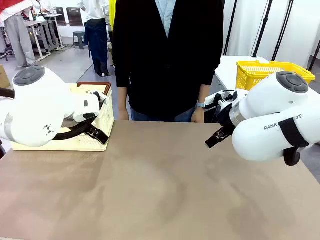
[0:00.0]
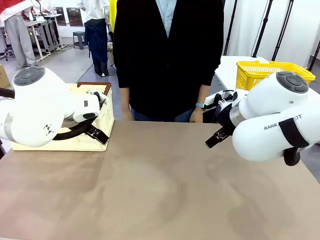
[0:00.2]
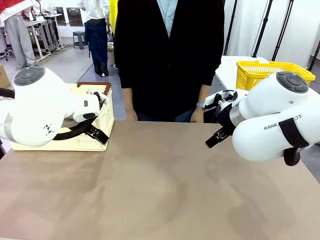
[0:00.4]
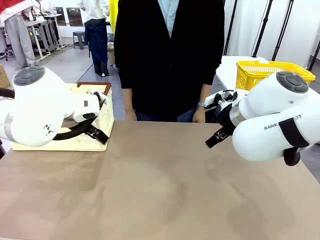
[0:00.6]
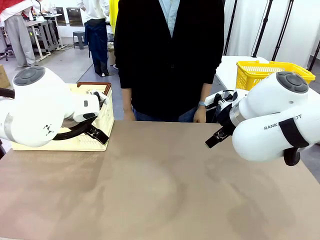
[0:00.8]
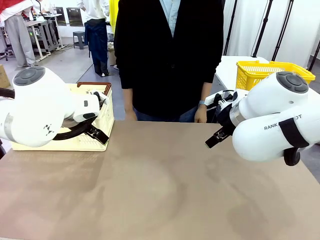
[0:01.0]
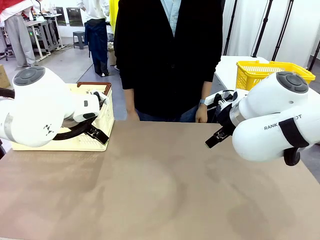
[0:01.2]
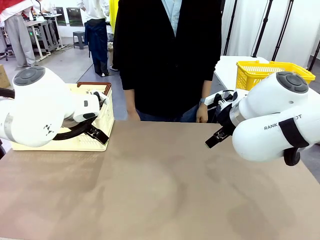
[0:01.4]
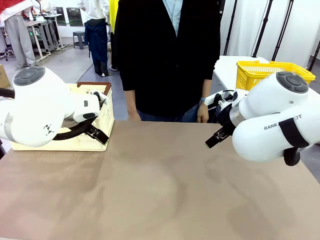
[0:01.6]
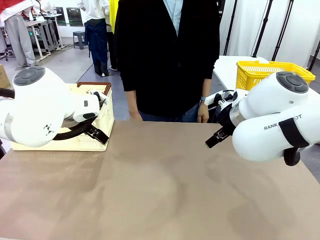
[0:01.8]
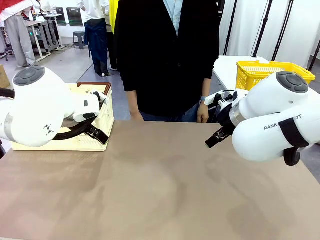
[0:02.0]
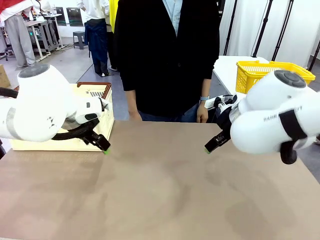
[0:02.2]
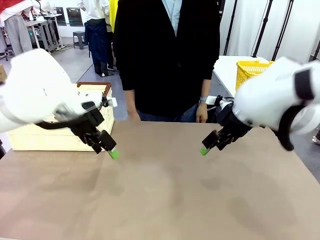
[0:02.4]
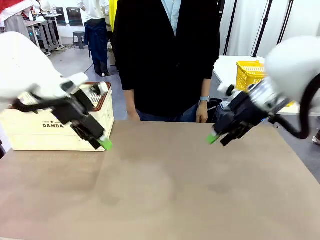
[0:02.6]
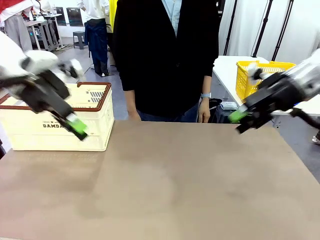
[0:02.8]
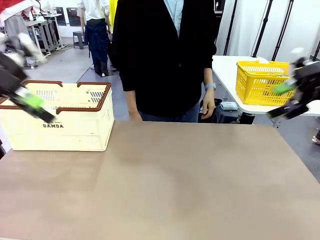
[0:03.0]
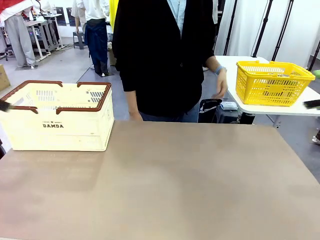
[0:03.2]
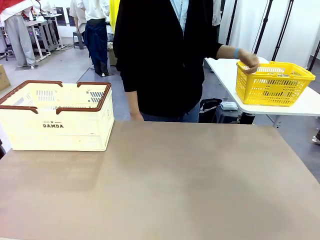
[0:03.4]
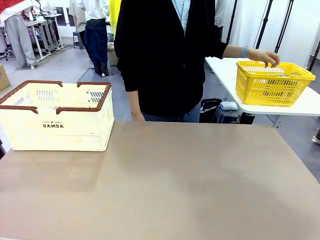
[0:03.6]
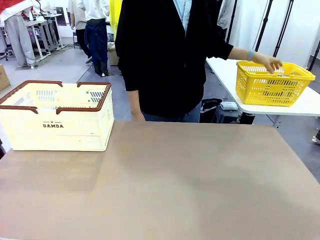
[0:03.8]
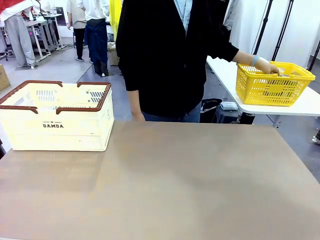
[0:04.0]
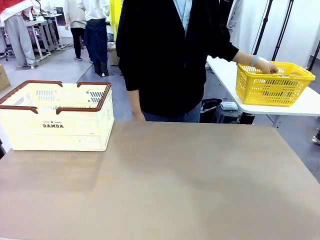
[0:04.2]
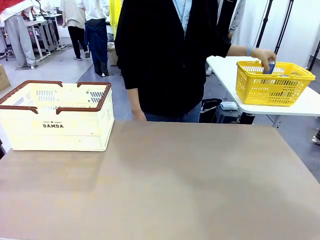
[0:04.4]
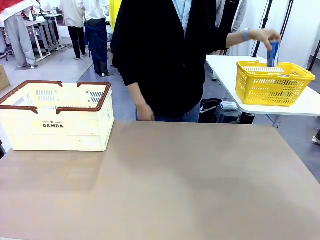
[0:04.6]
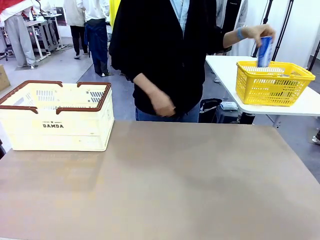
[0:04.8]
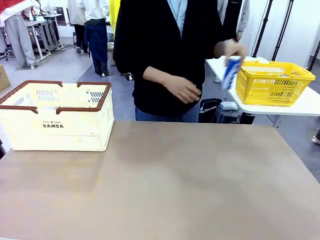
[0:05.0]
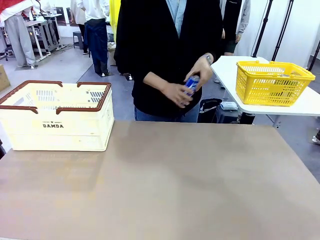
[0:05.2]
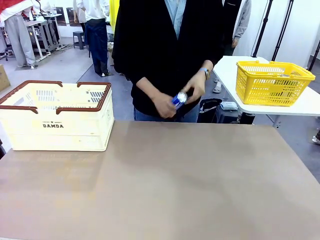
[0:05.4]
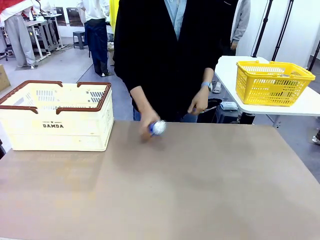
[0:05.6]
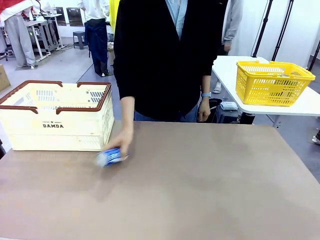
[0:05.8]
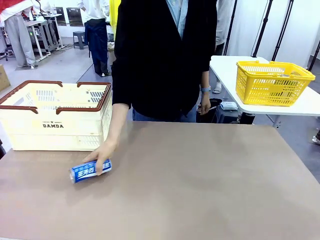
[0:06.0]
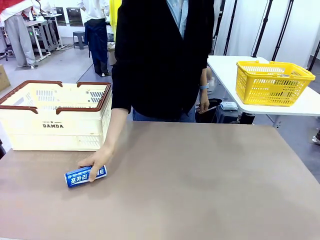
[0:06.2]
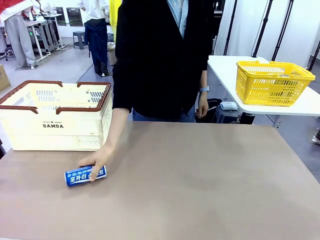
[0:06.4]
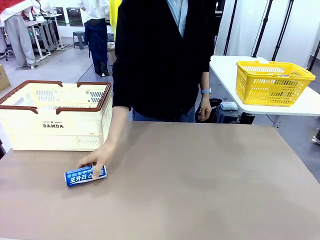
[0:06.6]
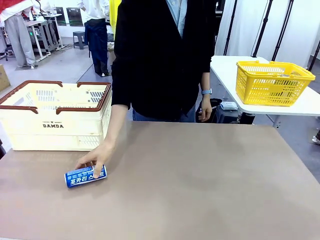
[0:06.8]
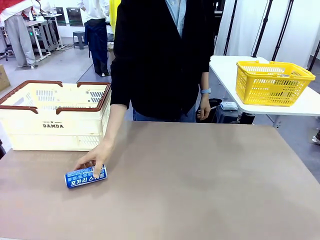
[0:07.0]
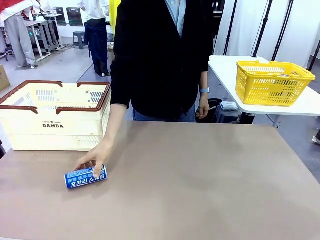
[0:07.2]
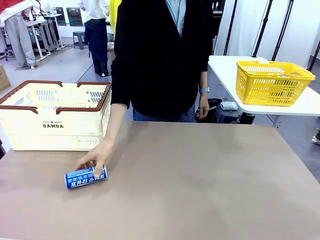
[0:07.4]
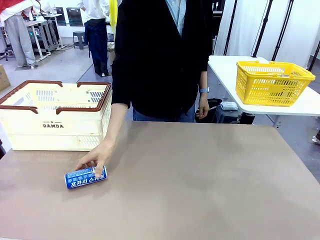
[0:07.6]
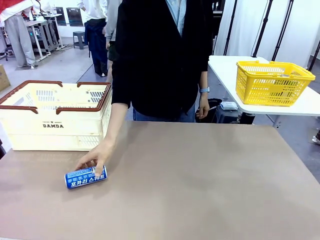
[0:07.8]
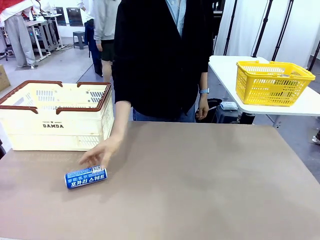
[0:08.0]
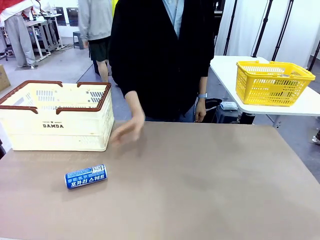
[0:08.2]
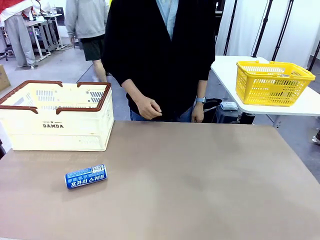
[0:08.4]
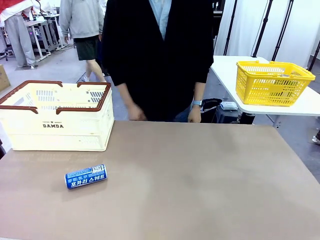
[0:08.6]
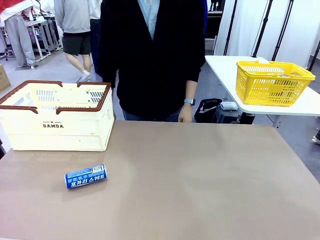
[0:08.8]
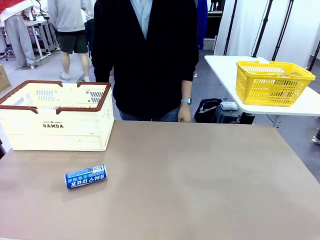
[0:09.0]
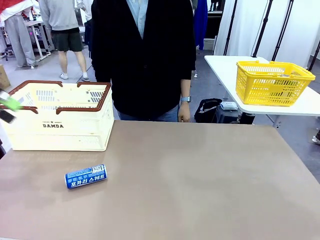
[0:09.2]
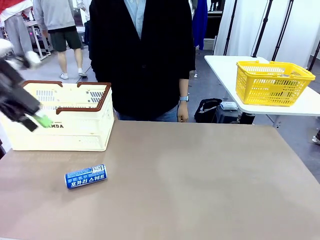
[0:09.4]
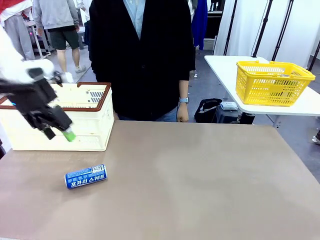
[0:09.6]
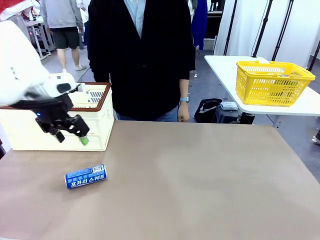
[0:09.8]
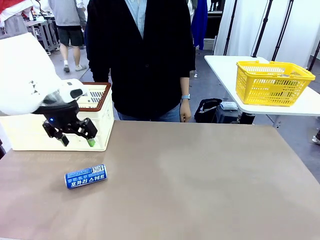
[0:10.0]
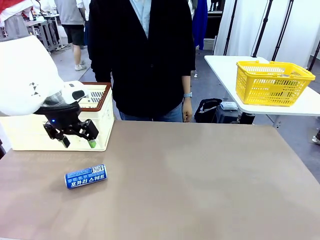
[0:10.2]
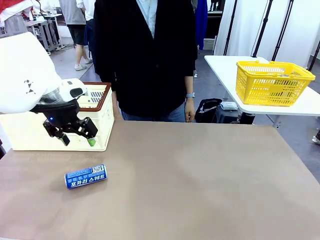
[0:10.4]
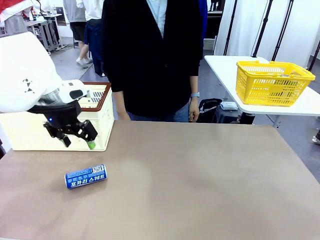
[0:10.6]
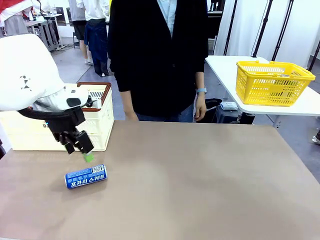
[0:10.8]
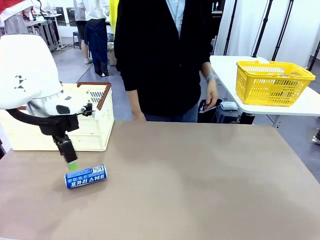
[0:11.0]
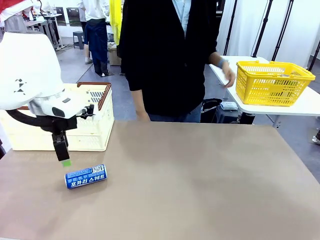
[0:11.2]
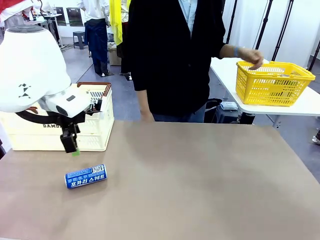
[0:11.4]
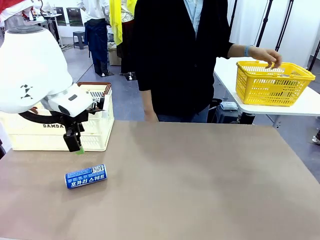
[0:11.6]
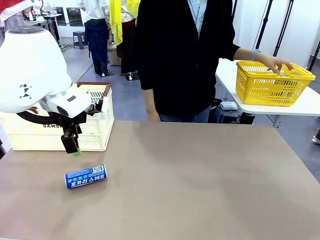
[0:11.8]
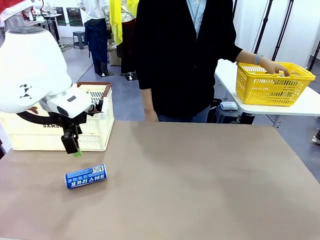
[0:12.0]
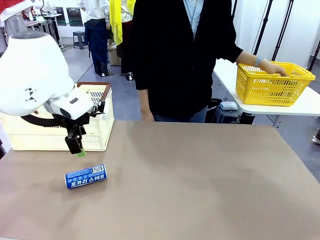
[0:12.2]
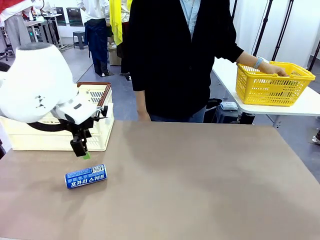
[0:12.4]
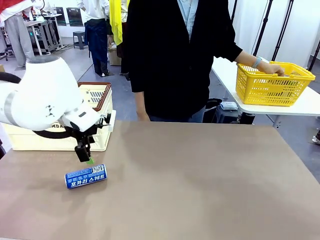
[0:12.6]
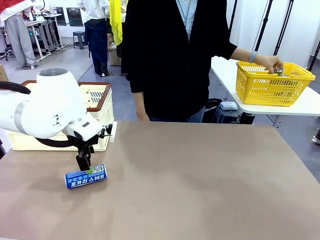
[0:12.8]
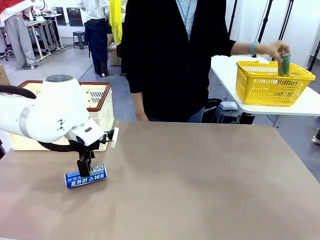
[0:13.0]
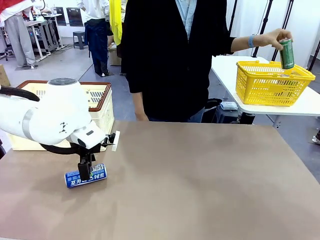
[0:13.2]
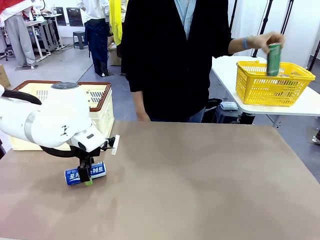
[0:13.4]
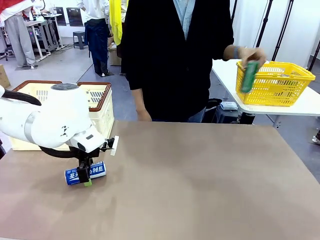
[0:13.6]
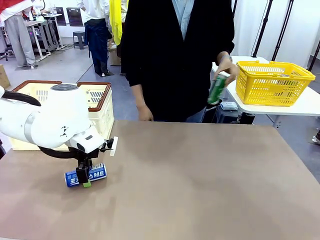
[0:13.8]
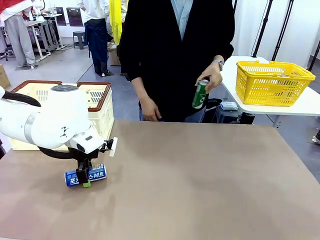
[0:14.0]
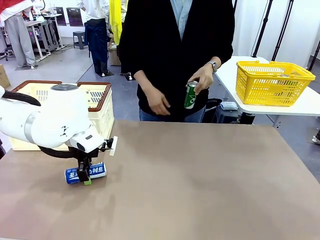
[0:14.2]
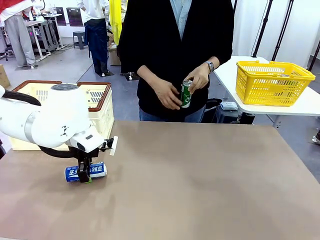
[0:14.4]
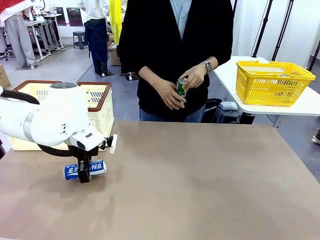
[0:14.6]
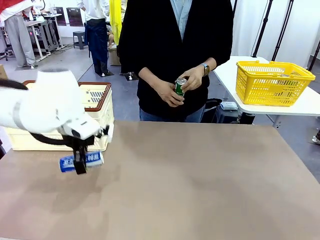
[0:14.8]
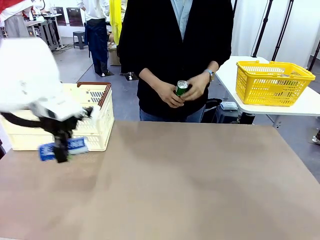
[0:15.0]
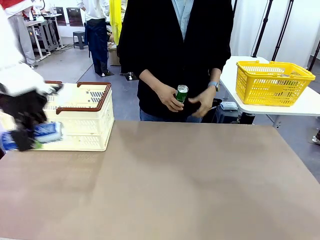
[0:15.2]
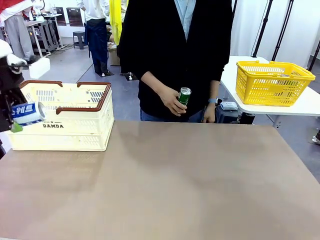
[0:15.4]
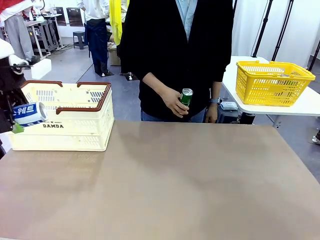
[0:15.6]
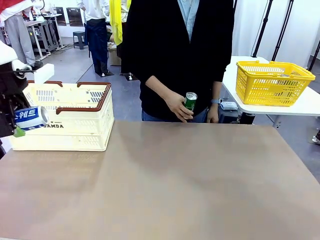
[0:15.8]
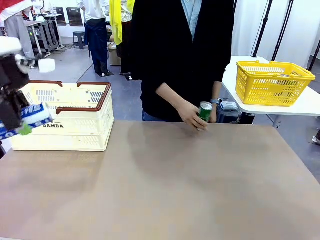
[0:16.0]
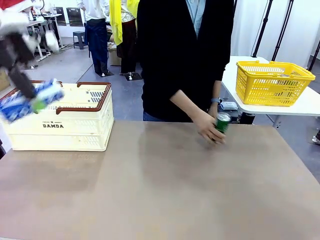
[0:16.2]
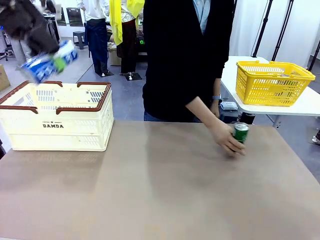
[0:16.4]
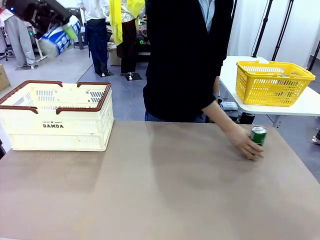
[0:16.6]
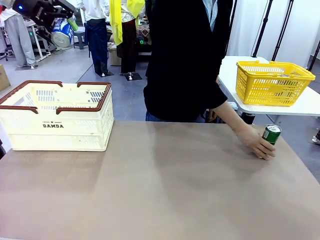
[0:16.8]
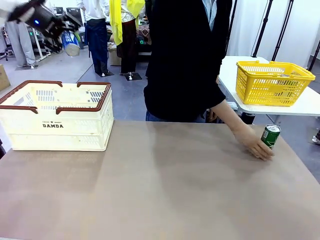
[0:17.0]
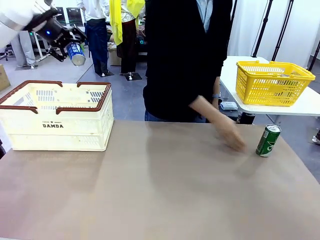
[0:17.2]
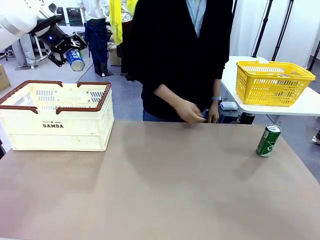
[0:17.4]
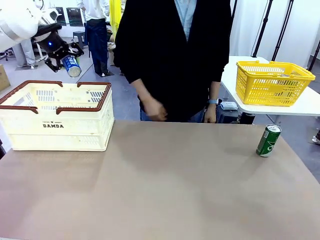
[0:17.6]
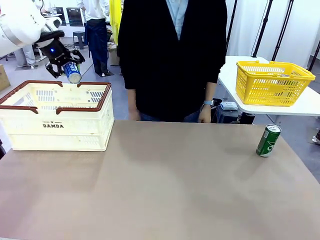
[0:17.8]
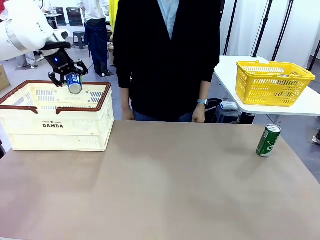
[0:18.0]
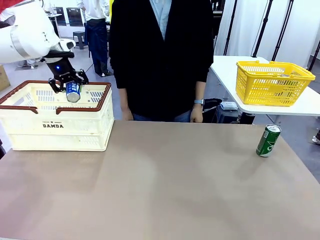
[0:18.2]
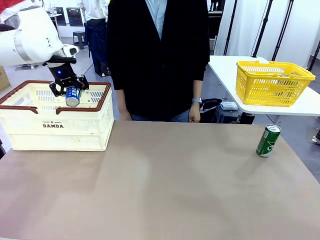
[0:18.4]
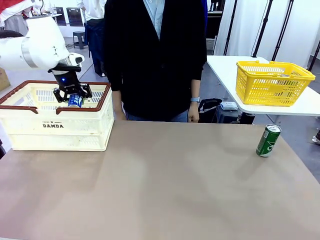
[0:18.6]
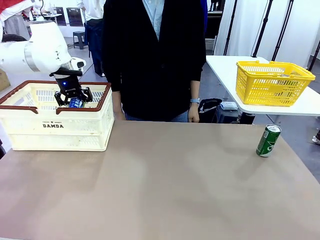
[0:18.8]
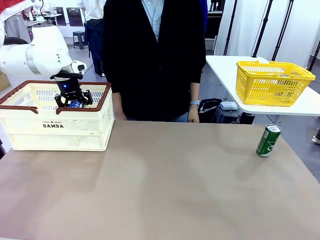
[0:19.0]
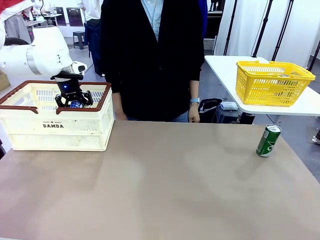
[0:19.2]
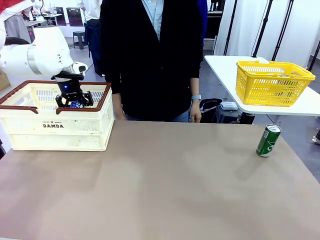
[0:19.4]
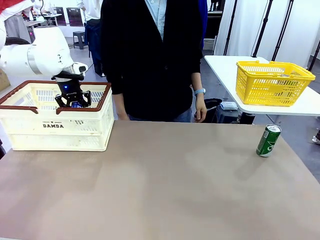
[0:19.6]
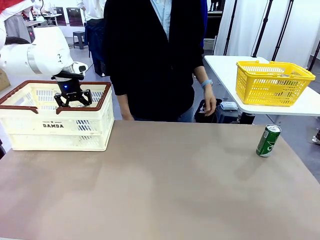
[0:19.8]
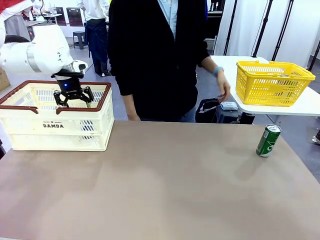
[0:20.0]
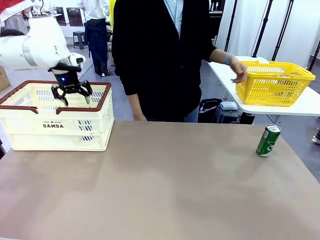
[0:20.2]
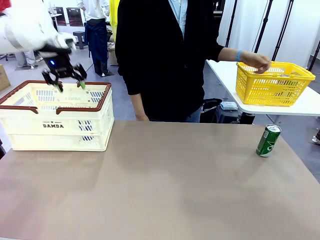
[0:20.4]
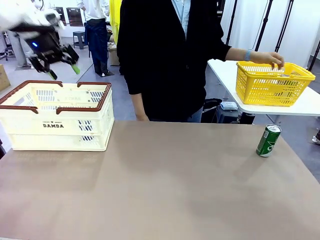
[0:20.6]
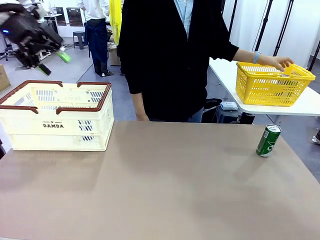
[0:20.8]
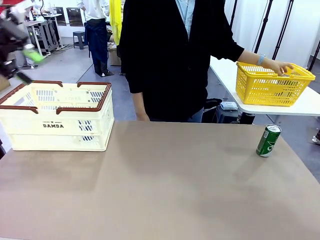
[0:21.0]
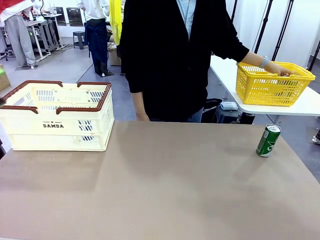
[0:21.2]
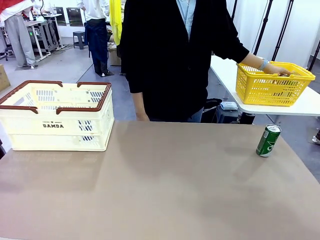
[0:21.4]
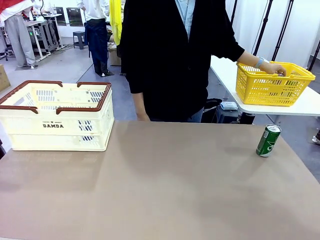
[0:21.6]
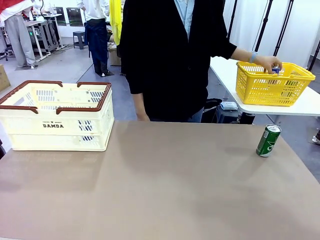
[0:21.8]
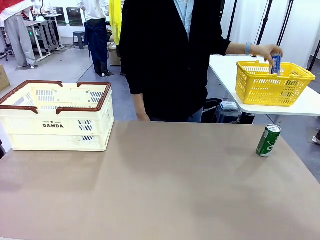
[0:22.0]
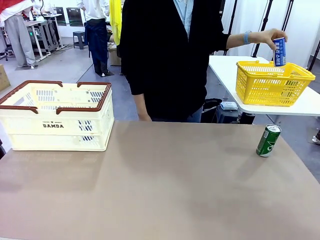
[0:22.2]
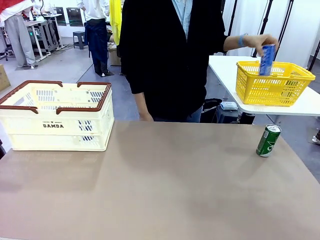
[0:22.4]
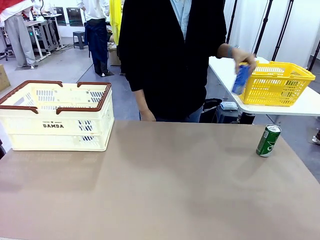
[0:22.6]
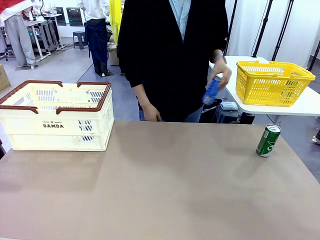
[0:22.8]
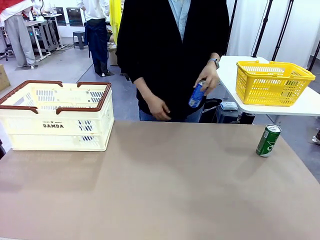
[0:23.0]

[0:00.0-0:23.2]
Task: Place the drinks into the Shopping basket.
Robot: Pick up one drink and place it into the Shopping basket.
